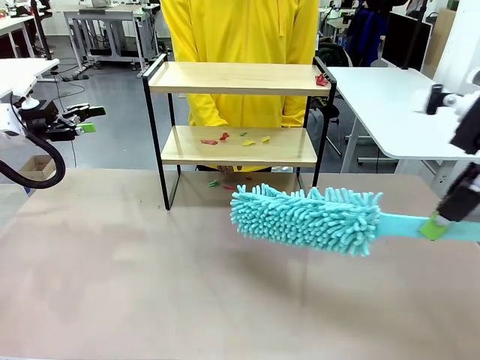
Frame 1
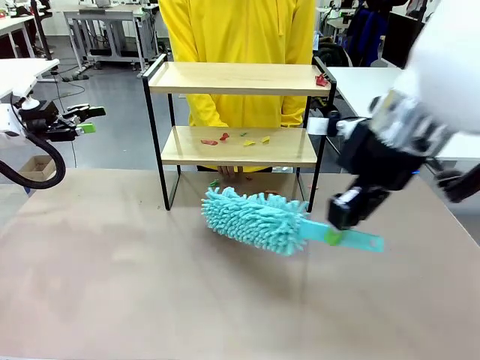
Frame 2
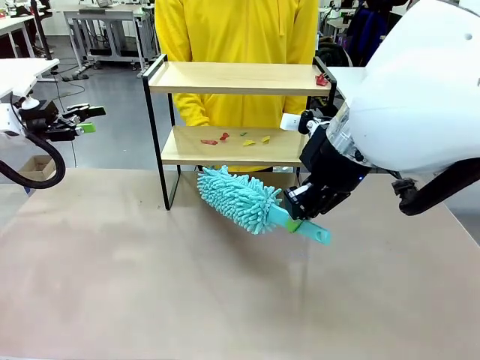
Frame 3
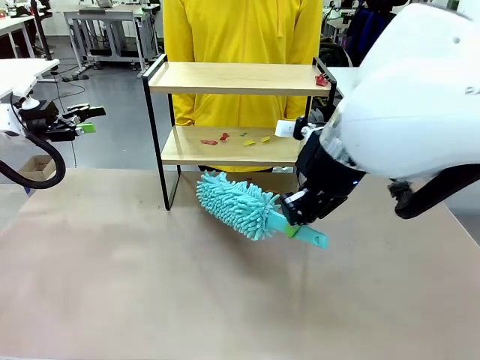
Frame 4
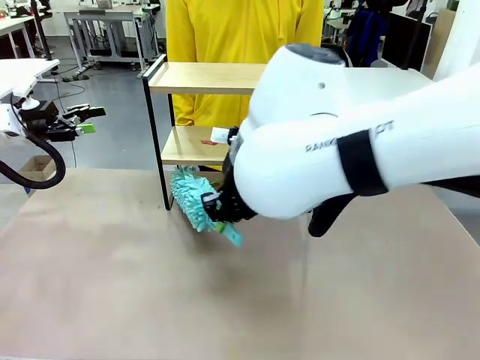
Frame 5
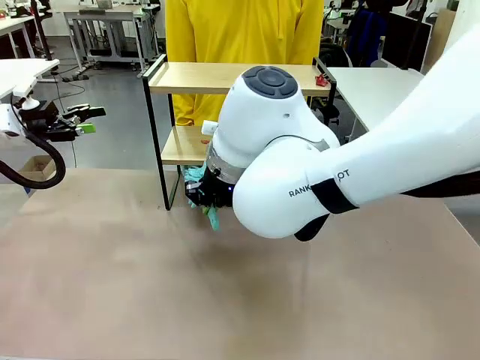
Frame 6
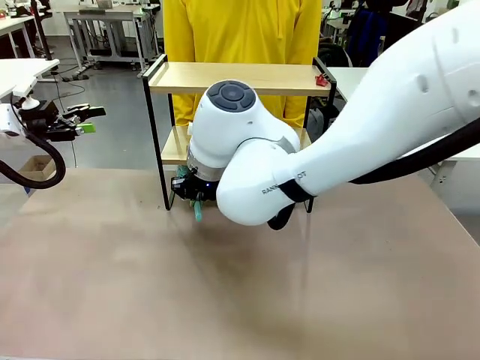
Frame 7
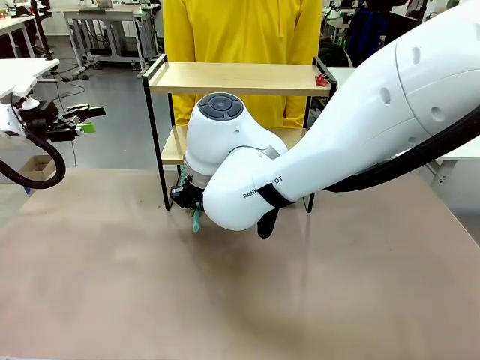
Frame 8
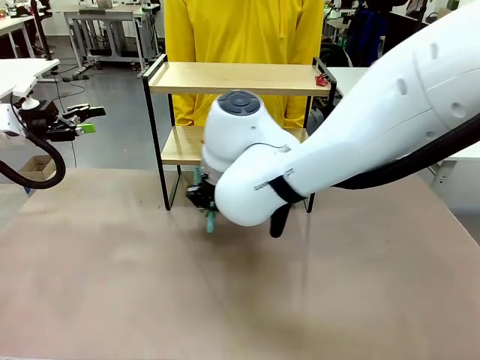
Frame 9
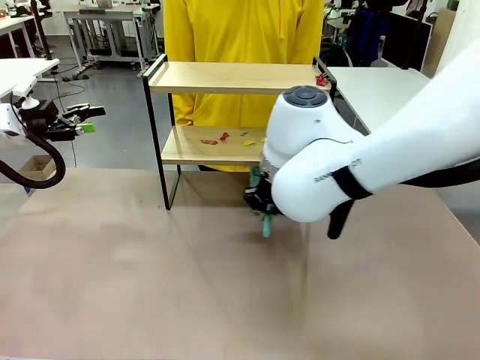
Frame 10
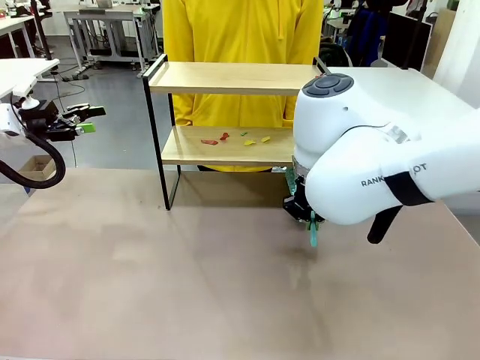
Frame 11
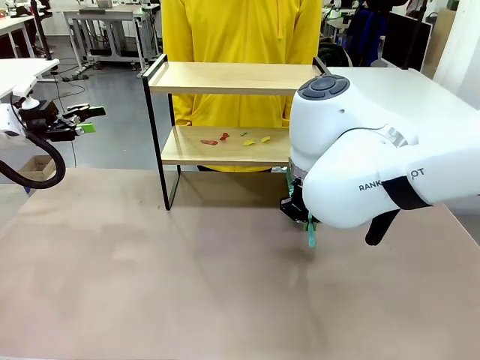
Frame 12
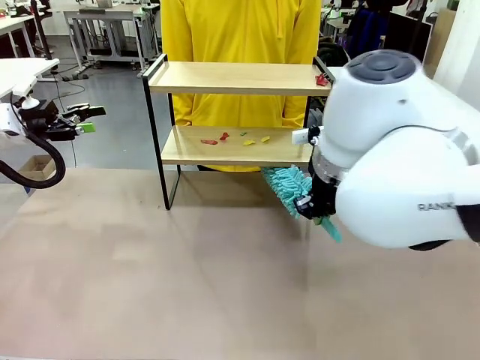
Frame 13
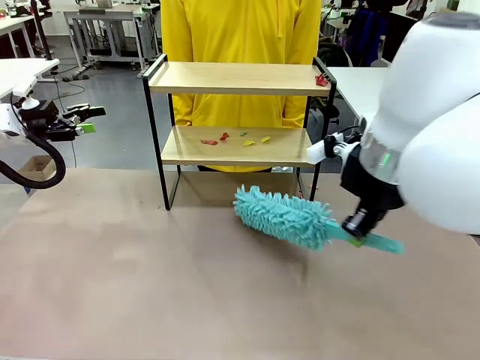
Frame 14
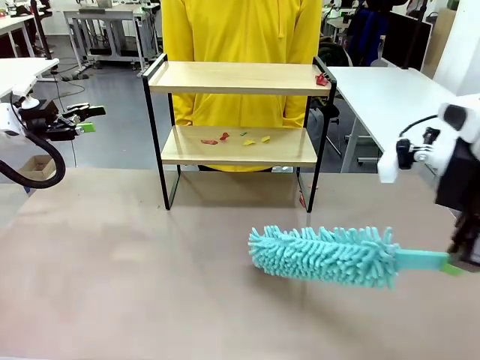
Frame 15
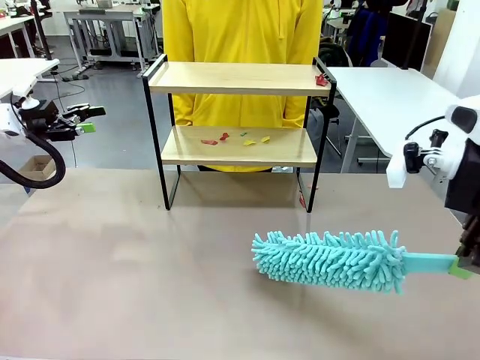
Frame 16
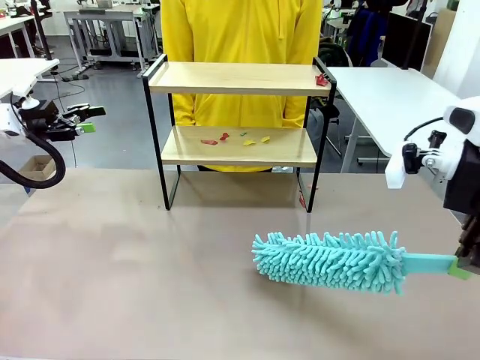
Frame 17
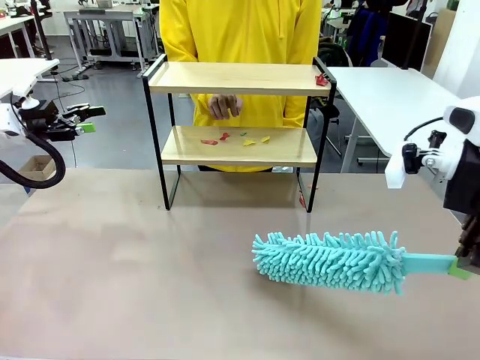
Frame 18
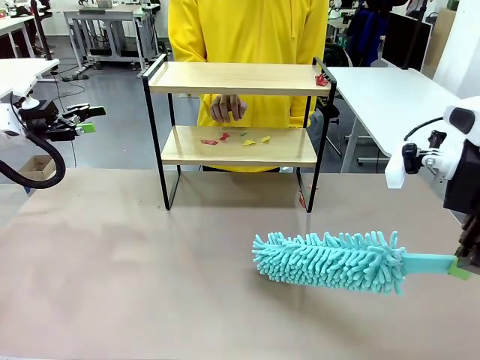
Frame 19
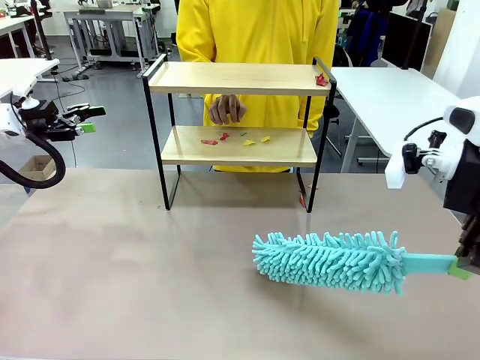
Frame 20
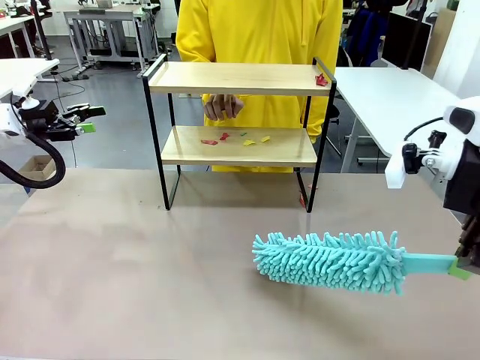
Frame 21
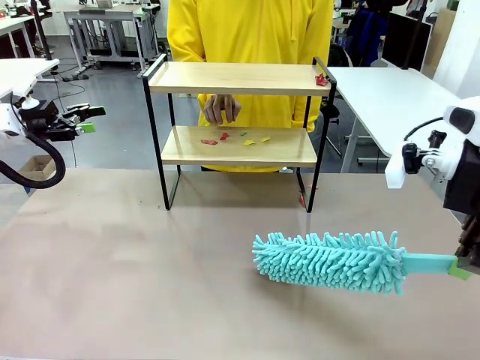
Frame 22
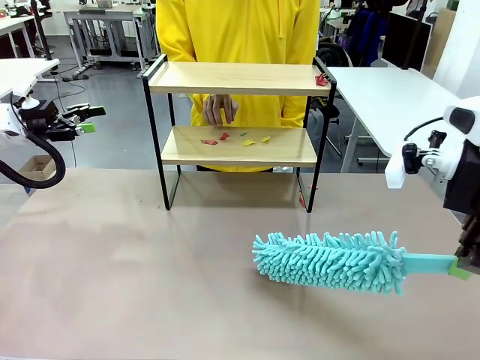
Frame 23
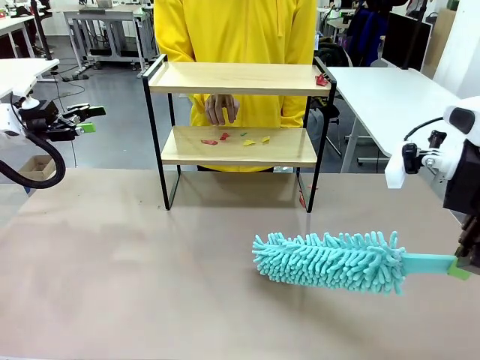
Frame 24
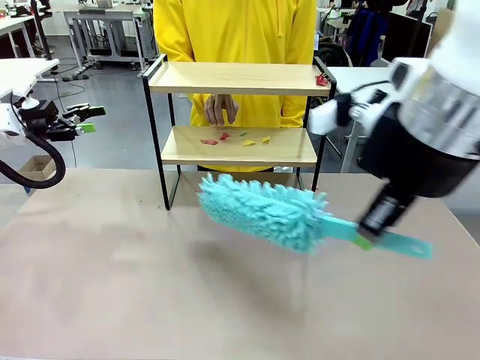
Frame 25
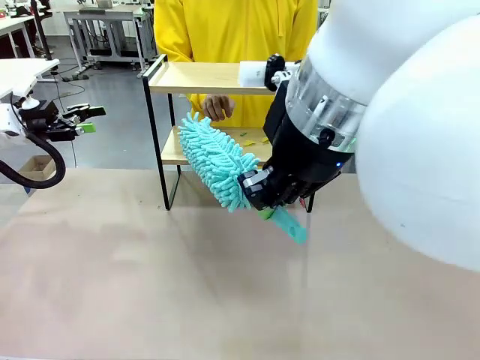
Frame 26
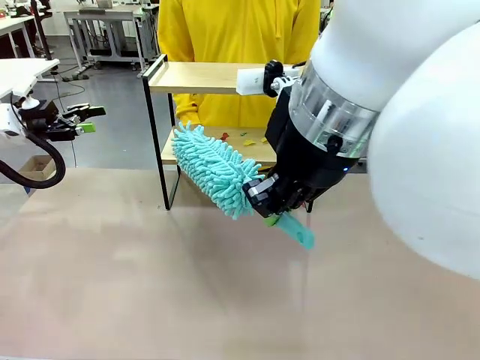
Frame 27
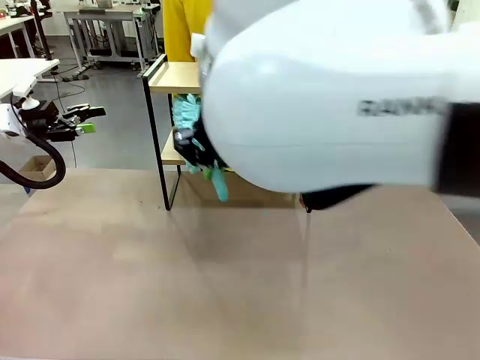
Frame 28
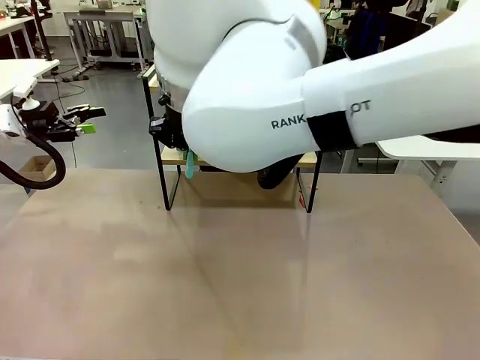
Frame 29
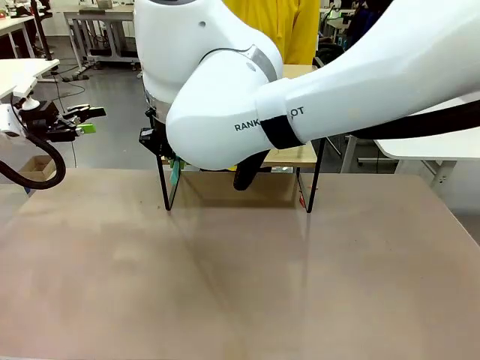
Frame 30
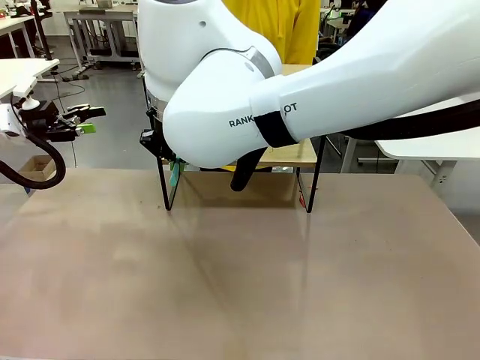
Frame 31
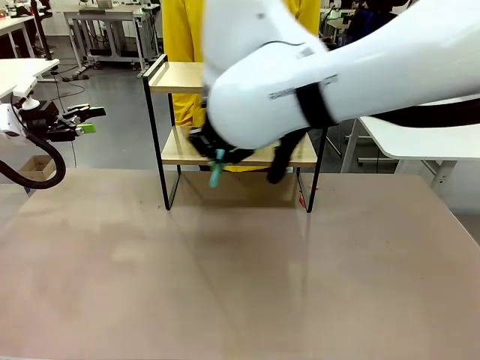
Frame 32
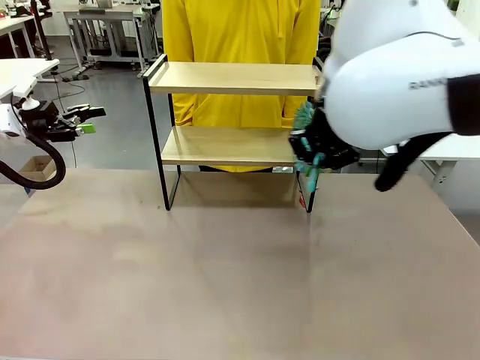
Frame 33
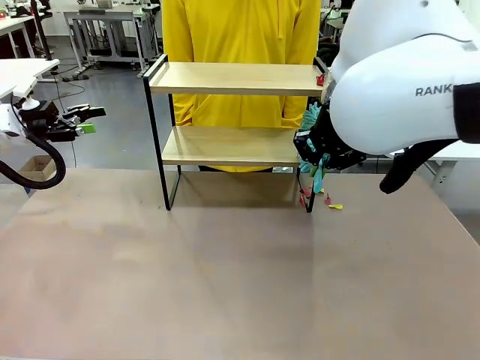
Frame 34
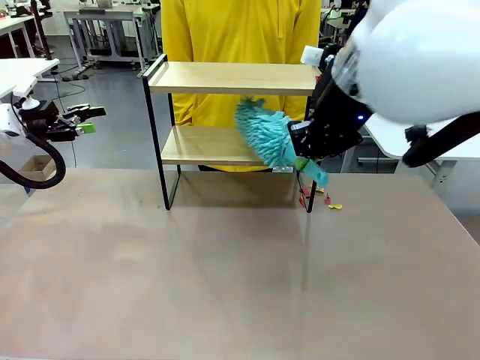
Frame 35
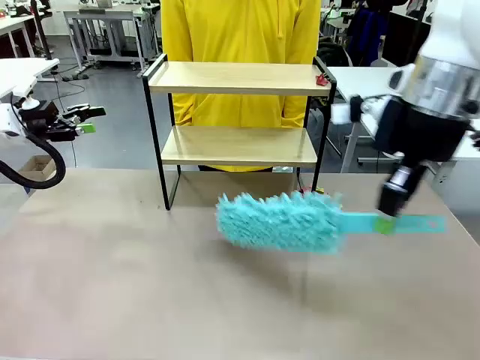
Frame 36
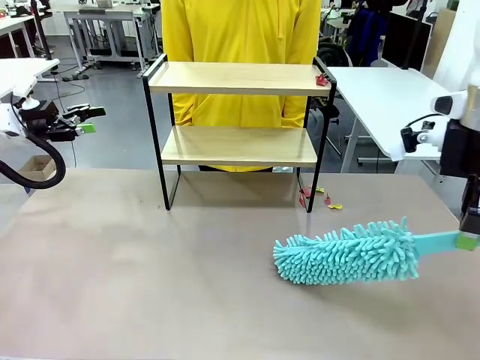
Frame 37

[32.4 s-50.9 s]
Task: Clean the shelf.
Robot: Clean the specific section of the Shelf indicated by the human with the Duster.
Person: Point a remaining section of the Shelf.

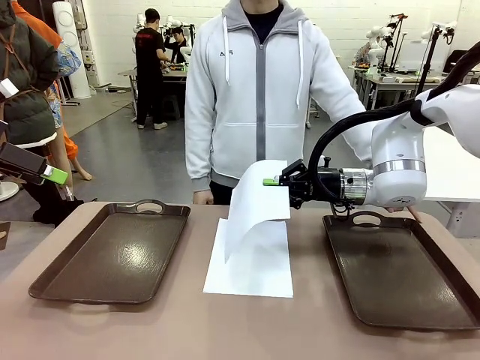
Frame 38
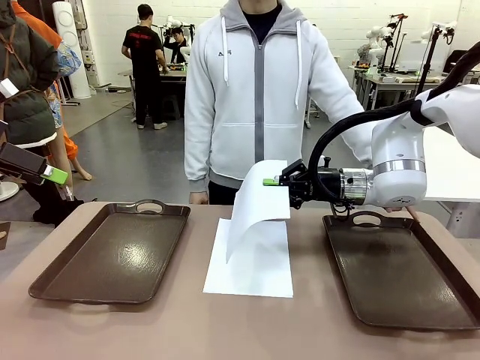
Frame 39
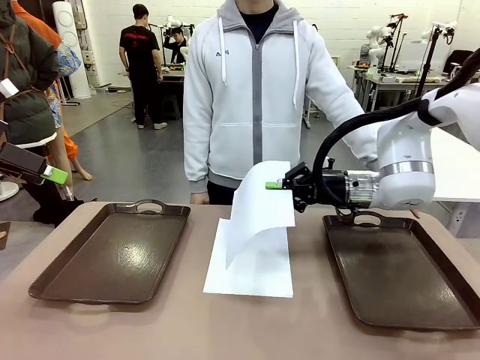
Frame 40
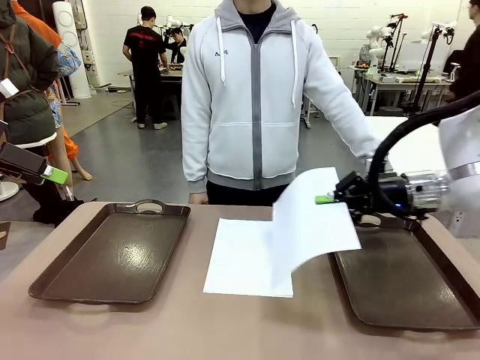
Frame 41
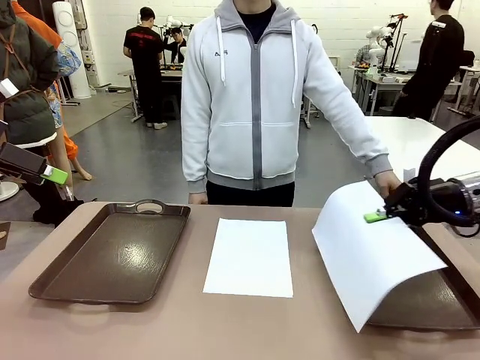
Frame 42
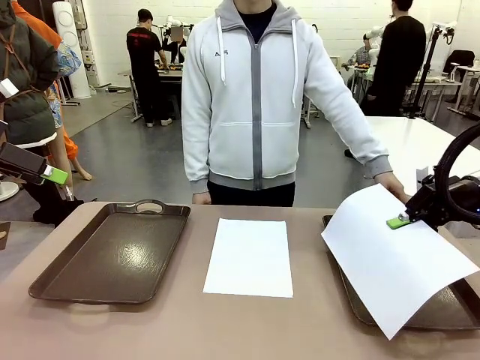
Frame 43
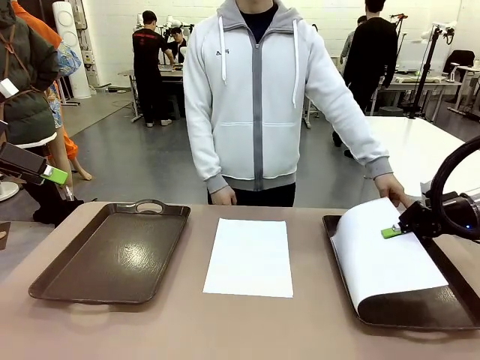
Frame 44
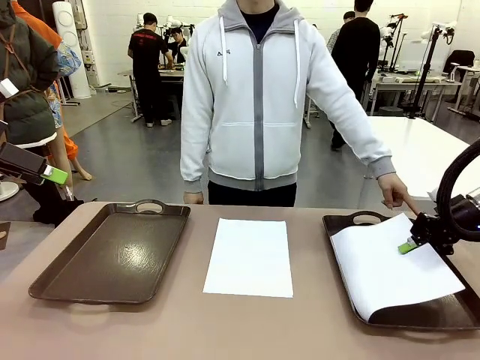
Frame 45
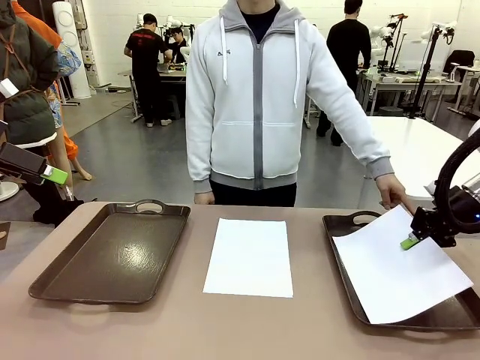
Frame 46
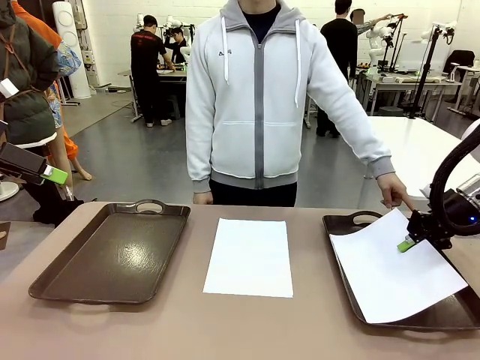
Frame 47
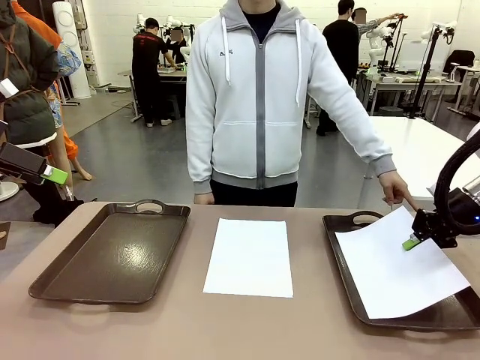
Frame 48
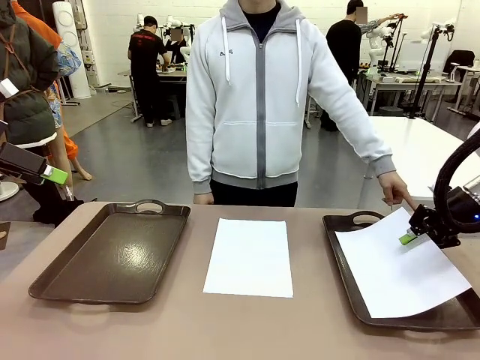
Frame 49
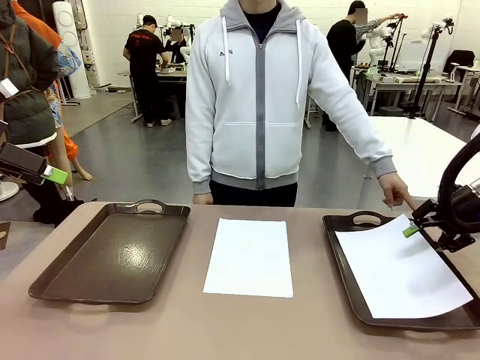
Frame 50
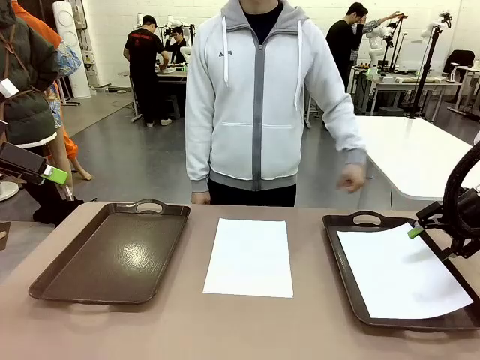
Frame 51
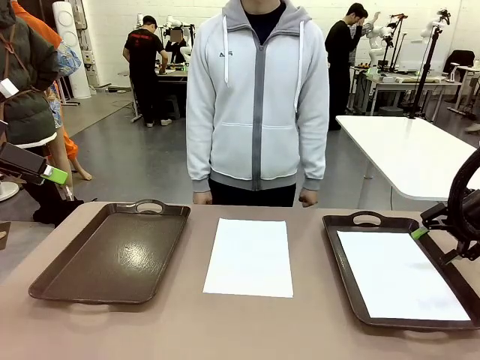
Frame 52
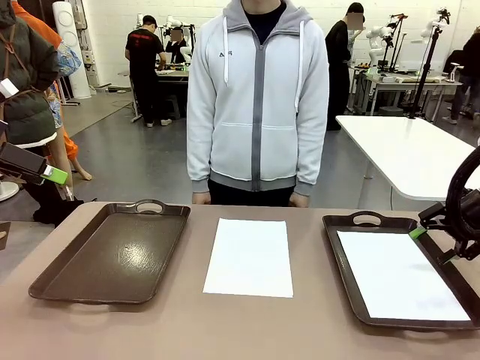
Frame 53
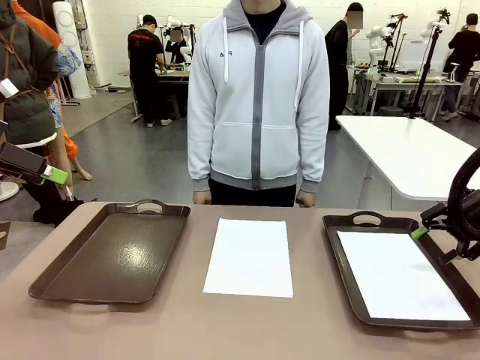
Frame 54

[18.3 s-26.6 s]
Task: Sort the A4 documents.
Robot: Place the A4 Paper in the designated Handle tray.
